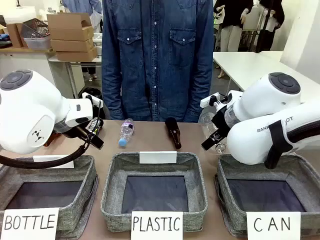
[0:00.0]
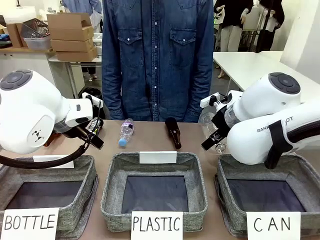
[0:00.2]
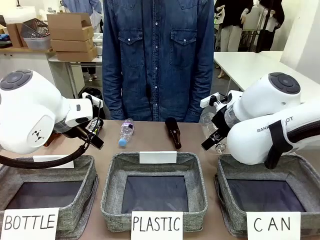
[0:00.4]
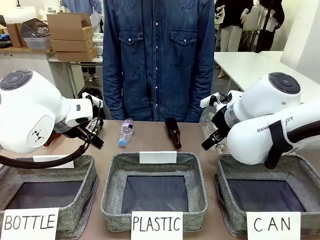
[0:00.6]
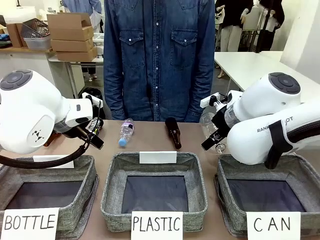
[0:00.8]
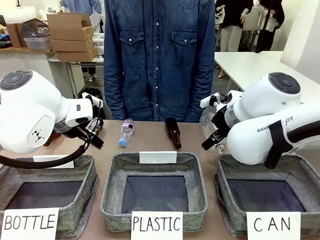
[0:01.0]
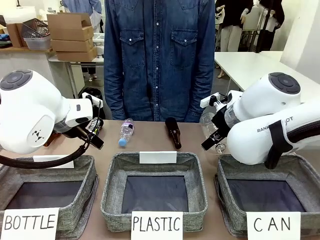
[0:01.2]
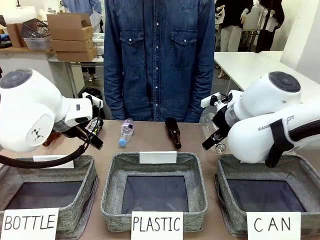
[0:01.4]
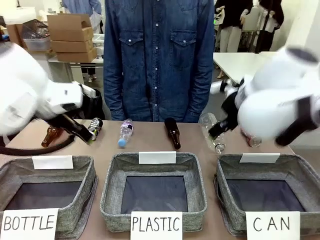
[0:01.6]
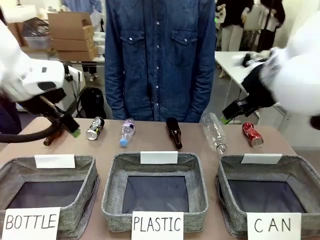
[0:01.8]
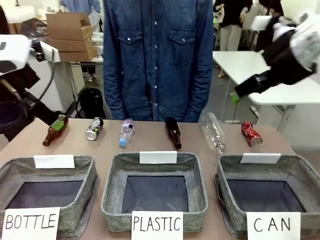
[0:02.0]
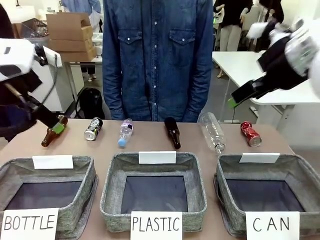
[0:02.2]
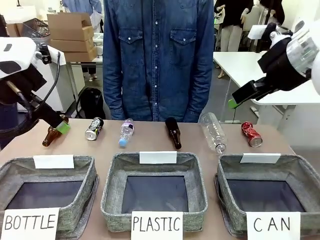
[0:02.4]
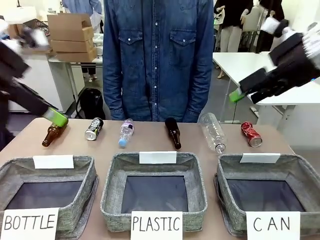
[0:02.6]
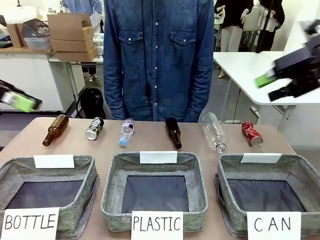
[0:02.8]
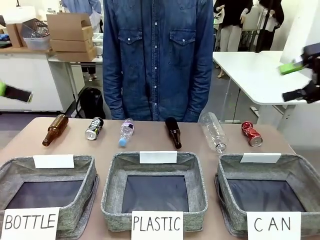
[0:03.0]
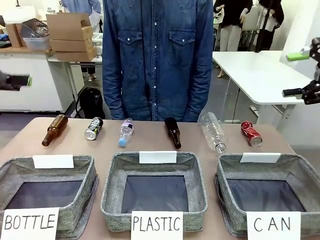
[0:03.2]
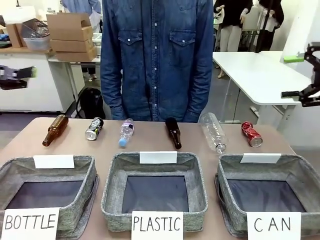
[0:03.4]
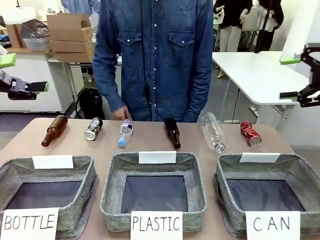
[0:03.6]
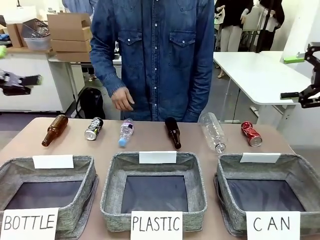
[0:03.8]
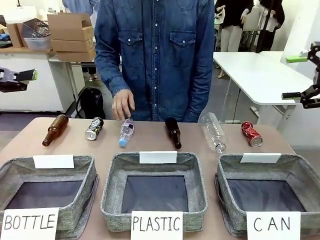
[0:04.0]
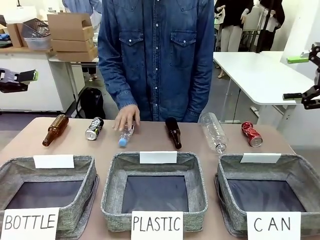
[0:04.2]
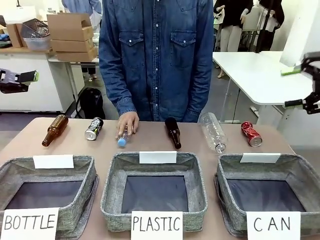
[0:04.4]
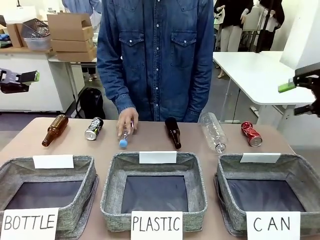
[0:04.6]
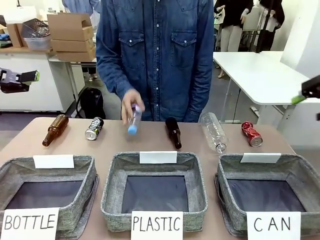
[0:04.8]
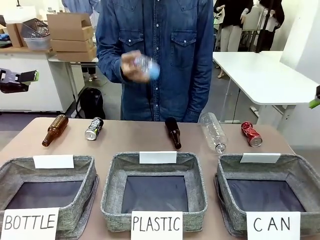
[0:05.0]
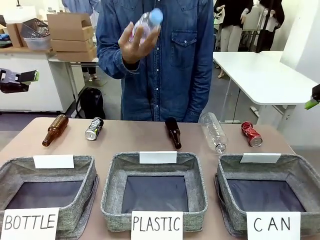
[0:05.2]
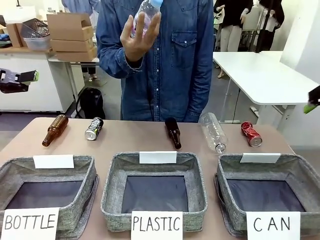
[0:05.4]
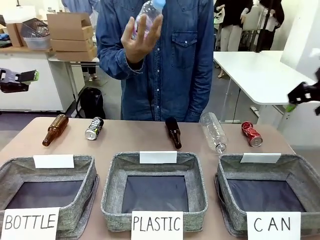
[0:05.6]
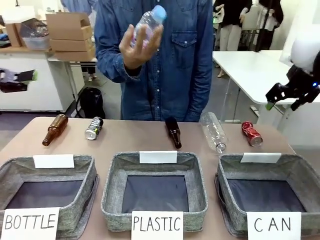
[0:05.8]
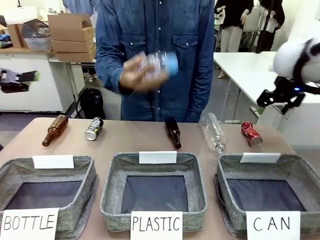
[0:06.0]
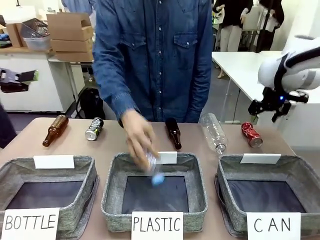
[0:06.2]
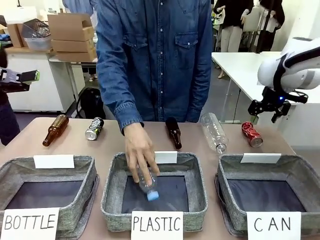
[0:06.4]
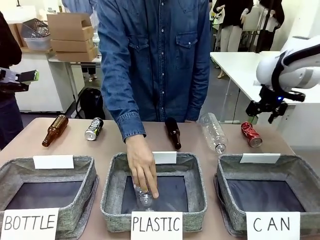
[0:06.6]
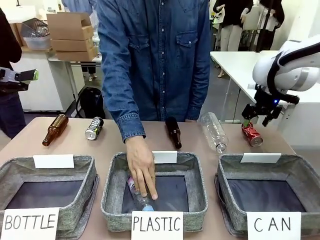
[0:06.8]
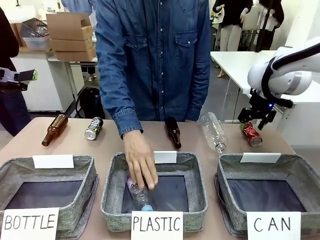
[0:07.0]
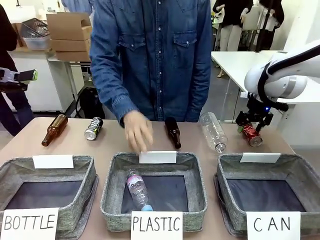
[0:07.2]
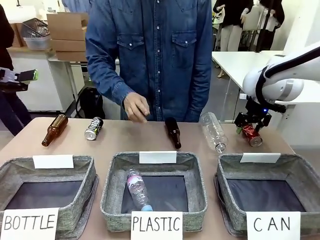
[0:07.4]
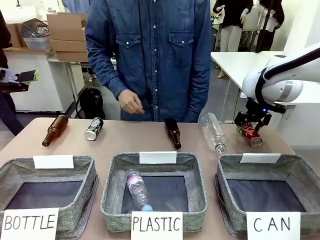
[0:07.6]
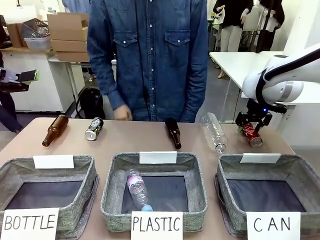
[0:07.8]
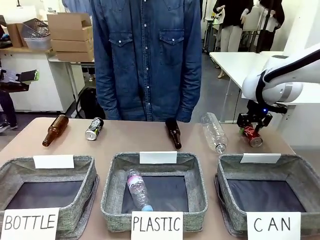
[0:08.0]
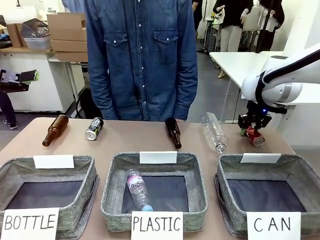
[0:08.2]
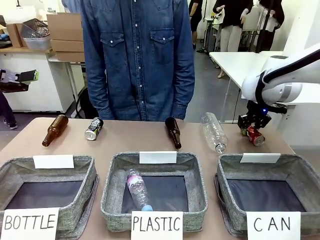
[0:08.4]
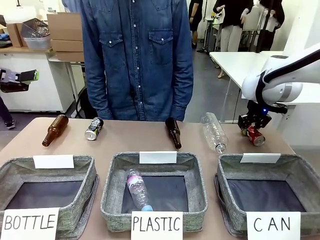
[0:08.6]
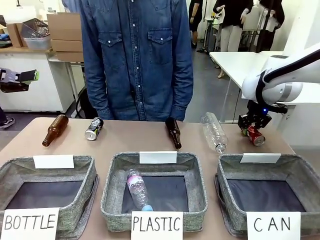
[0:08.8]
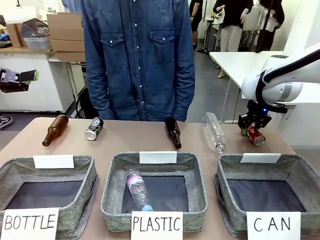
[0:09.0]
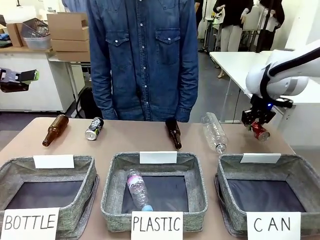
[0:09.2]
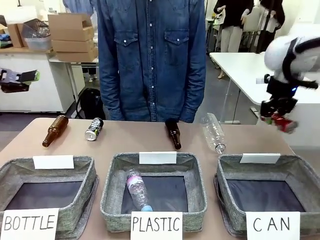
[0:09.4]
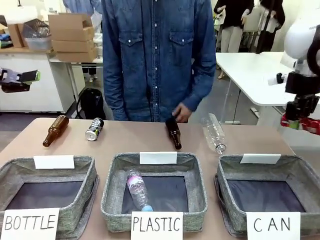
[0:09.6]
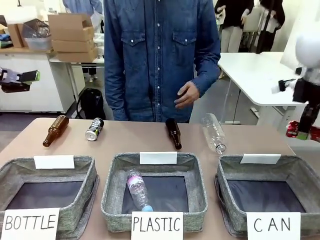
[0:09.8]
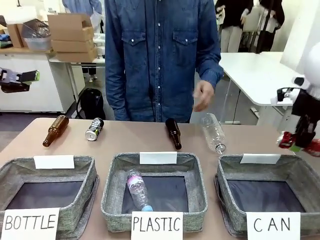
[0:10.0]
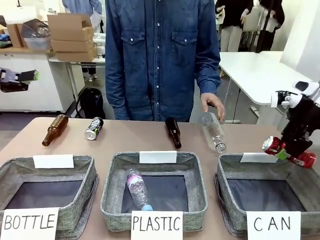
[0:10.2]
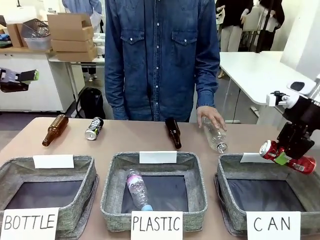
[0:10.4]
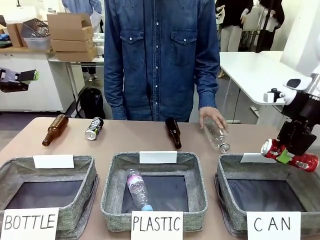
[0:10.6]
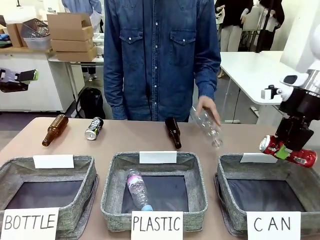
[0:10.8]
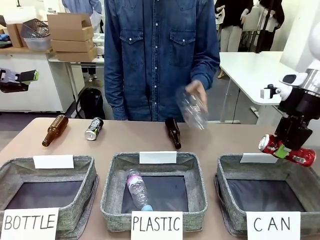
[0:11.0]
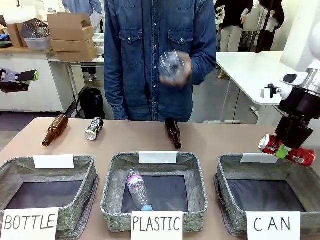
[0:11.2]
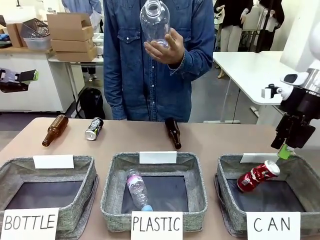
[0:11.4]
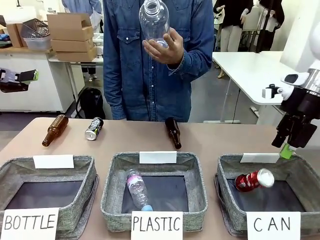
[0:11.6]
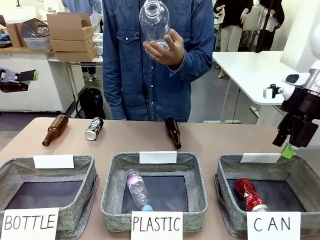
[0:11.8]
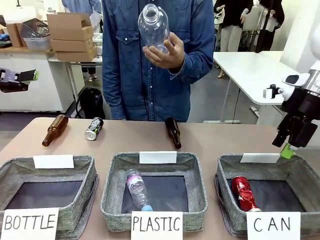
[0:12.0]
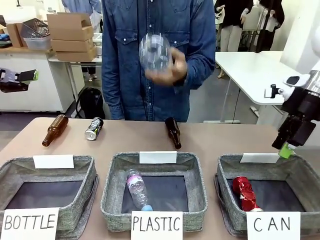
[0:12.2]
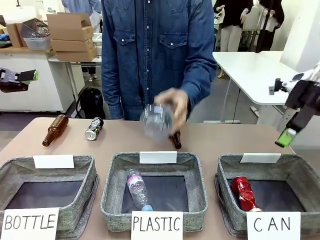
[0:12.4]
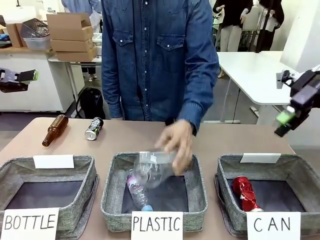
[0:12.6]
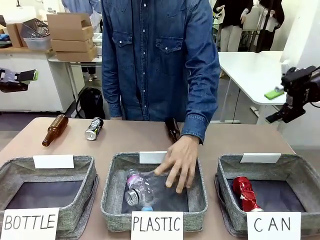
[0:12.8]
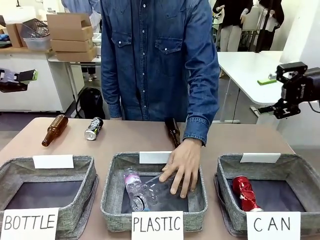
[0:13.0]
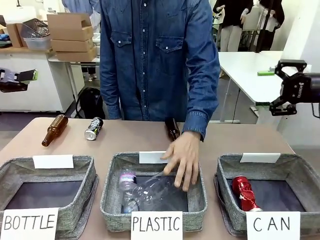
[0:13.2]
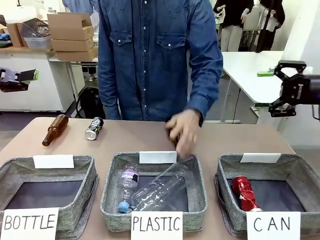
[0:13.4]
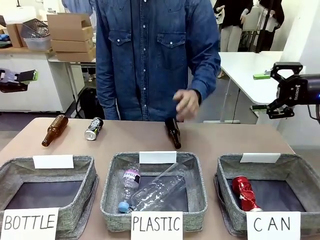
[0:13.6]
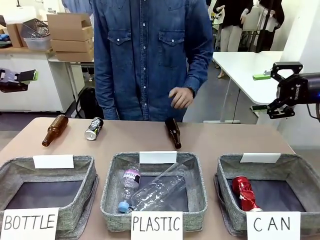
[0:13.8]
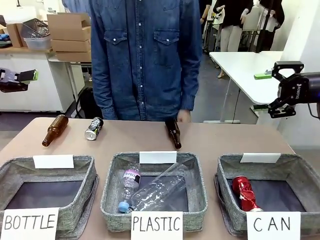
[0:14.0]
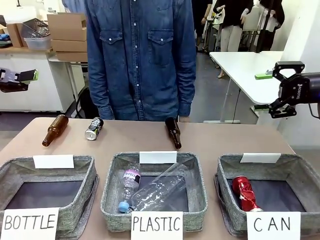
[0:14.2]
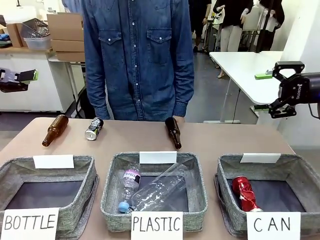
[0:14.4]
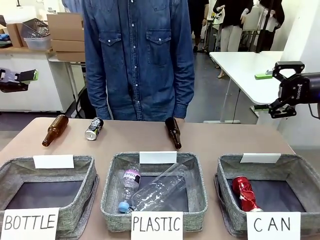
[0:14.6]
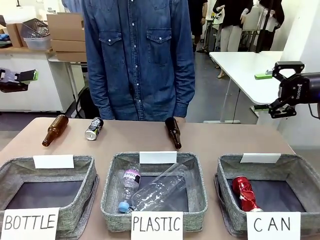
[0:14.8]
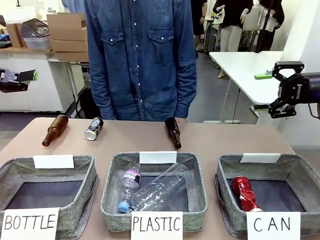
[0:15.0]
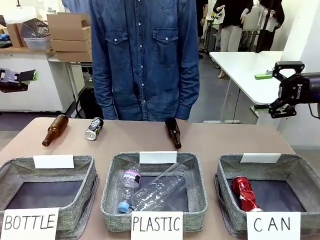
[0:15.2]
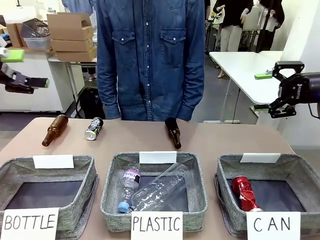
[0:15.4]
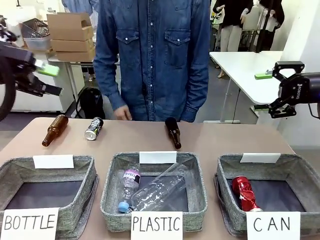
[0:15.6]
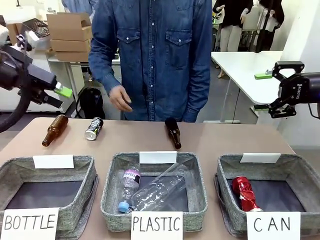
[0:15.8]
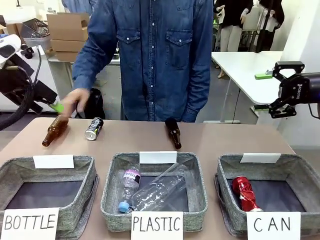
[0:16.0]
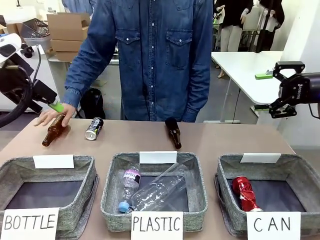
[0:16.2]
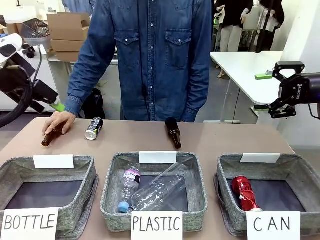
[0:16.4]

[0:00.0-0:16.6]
Task: Sort the can waste into the basket.
Robot: Pick up the can waste from the table and place it in the right Fabric basket.
